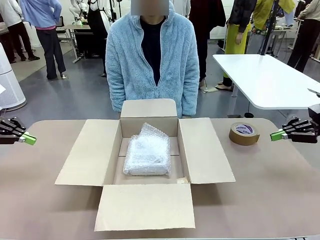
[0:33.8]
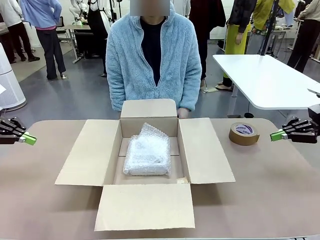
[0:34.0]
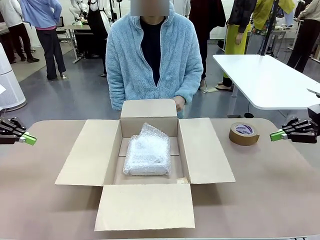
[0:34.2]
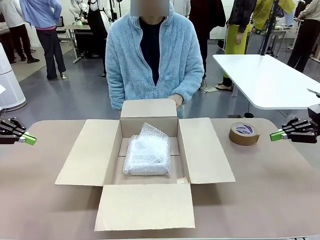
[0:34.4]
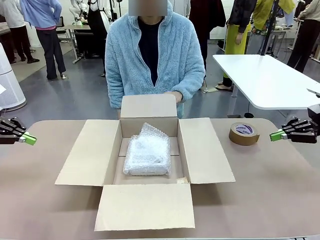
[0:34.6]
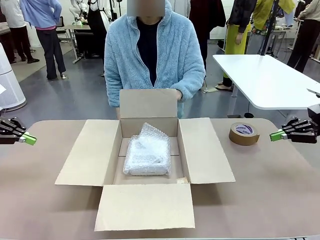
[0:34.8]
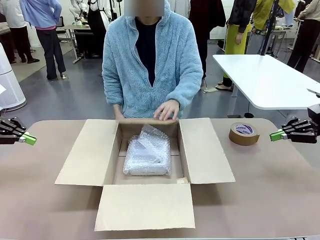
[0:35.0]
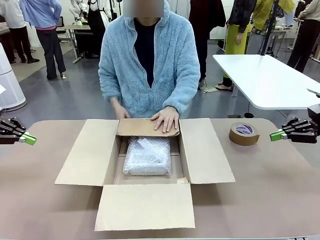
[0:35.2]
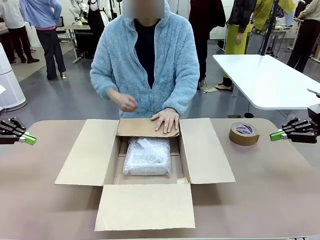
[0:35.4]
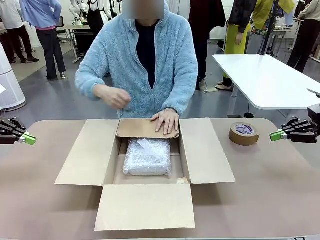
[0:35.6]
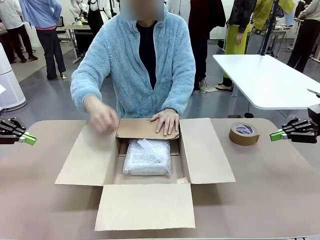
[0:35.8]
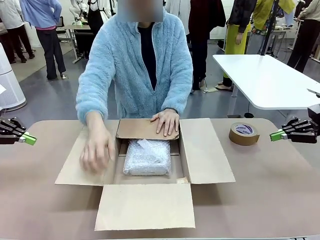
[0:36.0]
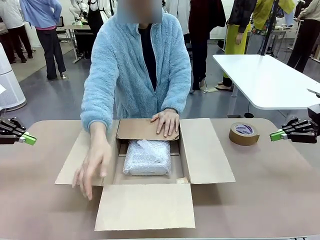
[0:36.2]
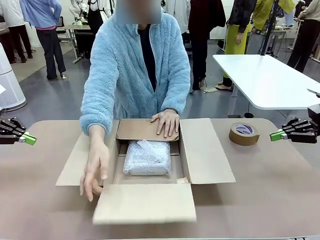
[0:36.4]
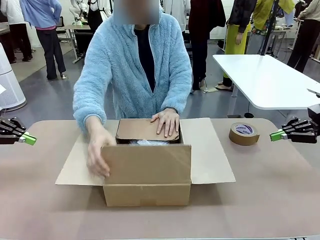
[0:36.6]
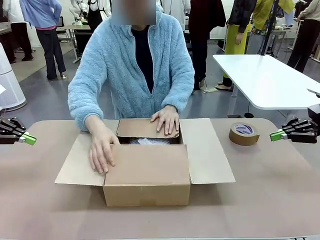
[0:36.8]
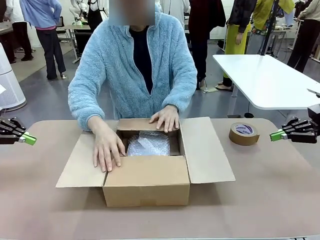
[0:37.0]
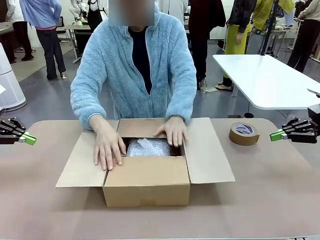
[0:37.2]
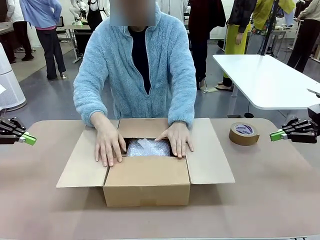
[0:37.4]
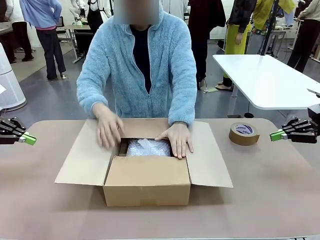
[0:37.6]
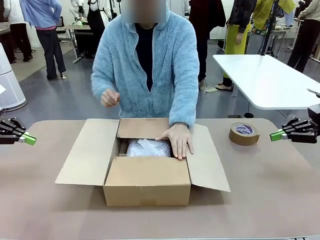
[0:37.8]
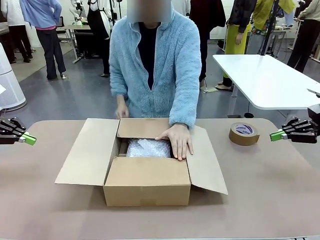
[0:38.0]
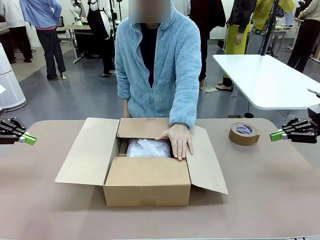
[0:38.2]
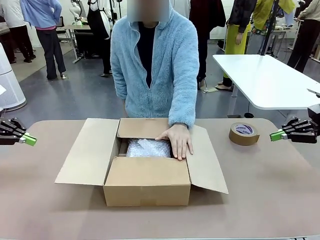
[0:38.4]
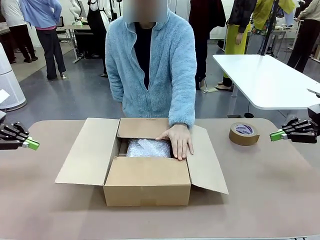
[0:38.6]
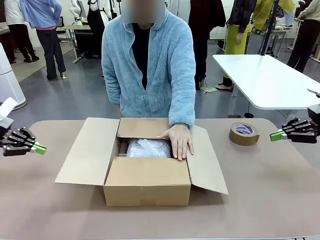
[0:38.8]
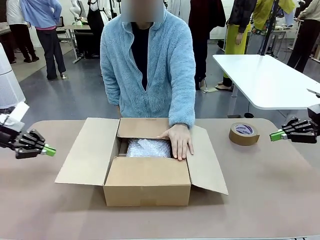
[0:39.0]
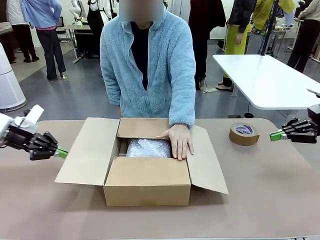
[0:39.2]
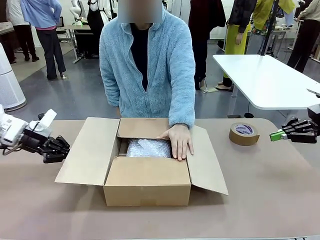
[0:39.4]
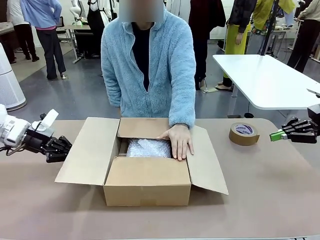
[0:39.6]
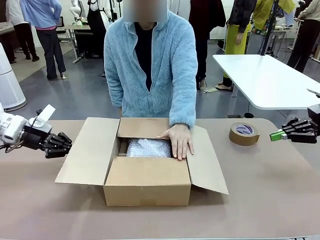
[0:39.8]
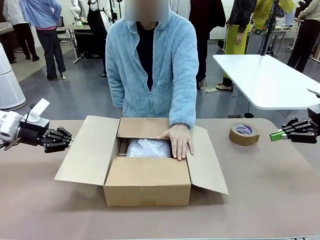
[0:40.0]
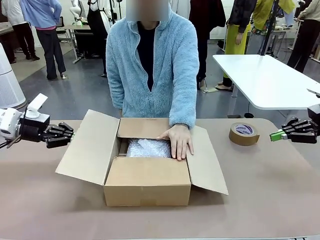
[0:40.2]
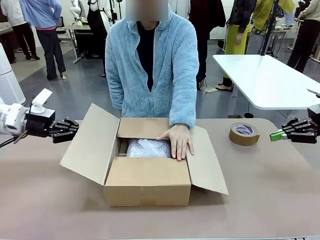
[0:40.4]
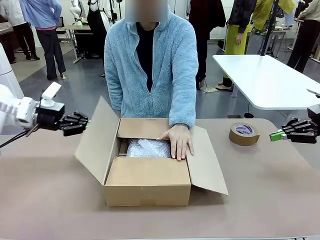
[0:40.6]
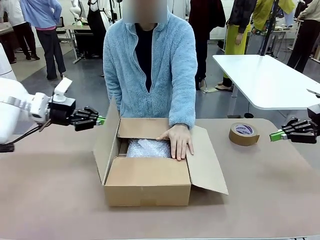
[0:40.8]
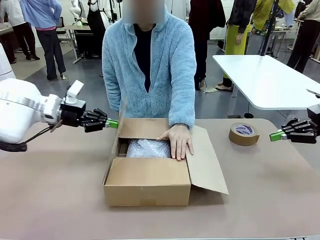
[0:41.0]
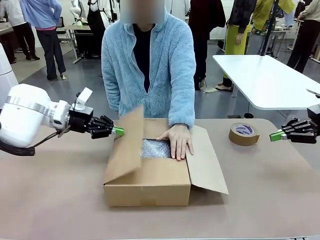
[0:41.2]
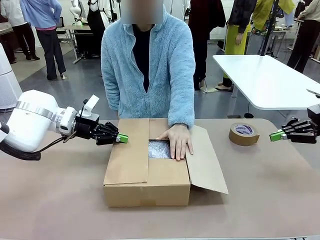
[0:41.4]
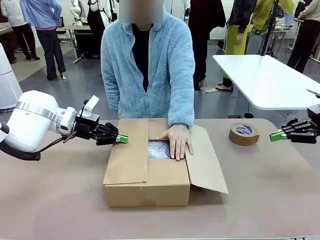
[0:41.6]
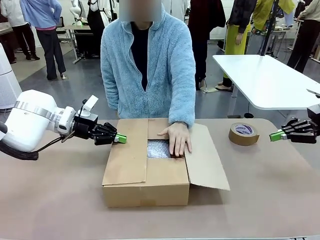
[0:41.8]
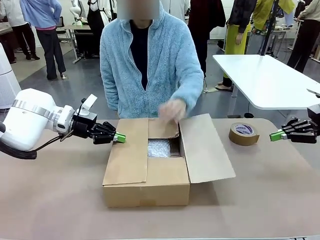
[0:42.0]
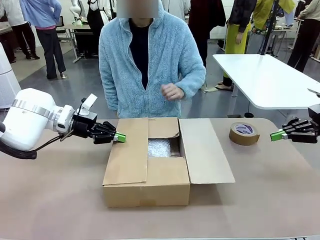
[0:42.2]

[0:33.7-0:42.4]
Task: Wrap the clocks to prevent damage.
Robot: Push the right (or left) flap of the Package Box to close it.
Person: Hold the top and bottom flaps of the Package Box closed with your left (or right) hand. Once the robot closes the right flap of the Package Box , release your left hand from the box.

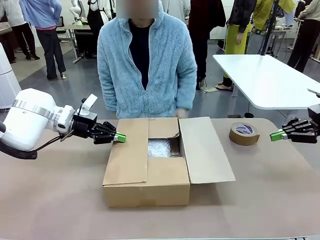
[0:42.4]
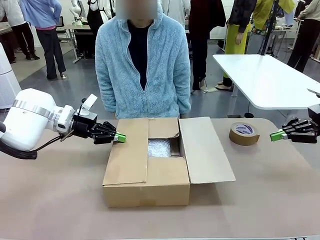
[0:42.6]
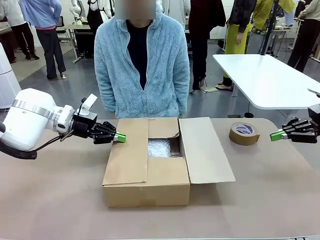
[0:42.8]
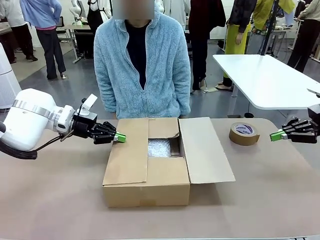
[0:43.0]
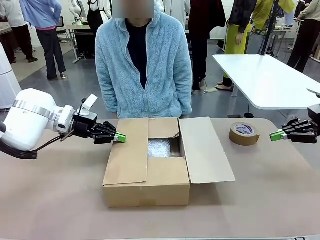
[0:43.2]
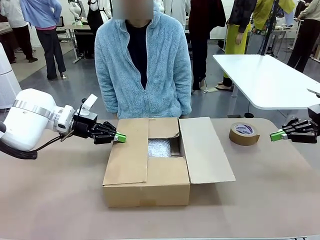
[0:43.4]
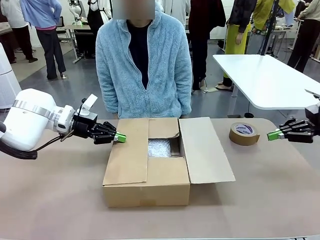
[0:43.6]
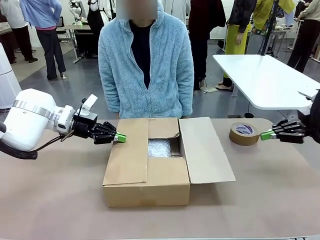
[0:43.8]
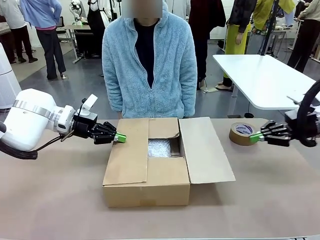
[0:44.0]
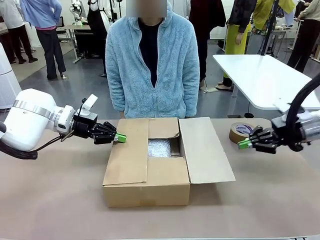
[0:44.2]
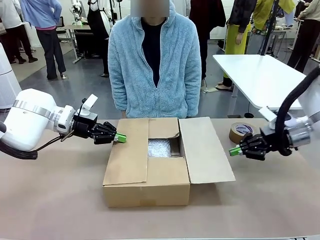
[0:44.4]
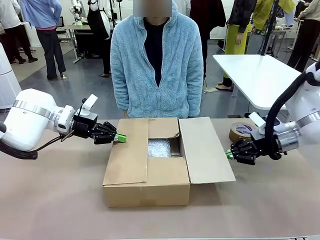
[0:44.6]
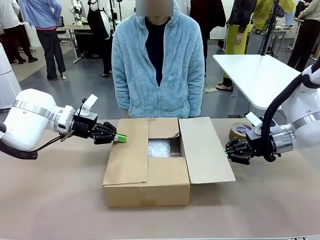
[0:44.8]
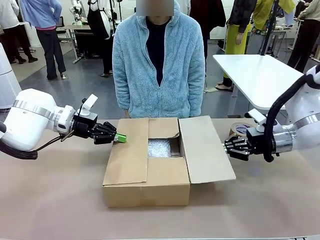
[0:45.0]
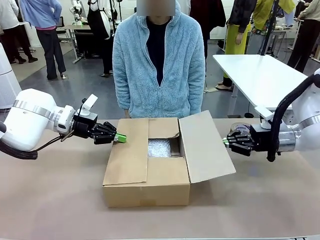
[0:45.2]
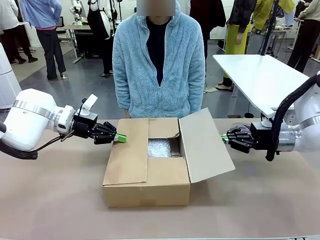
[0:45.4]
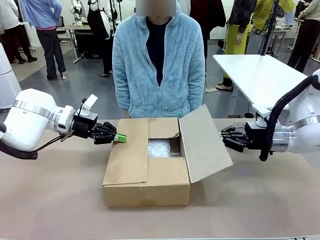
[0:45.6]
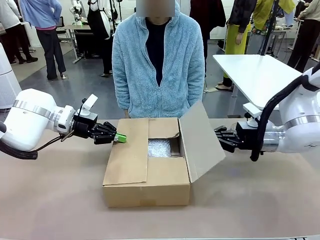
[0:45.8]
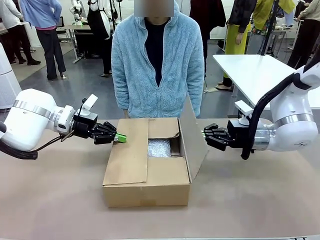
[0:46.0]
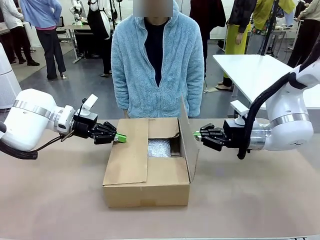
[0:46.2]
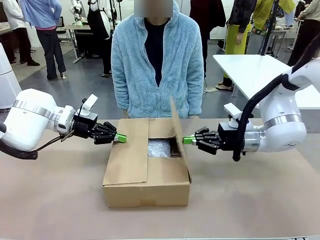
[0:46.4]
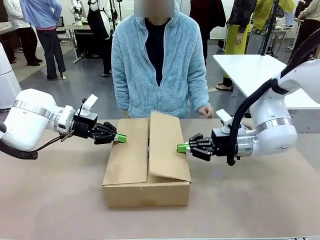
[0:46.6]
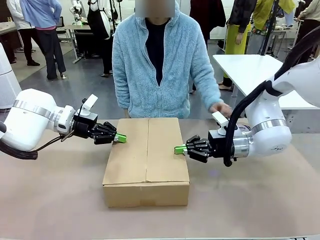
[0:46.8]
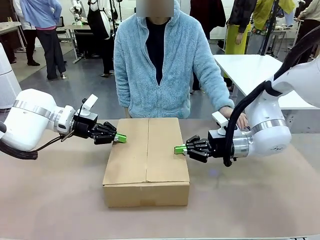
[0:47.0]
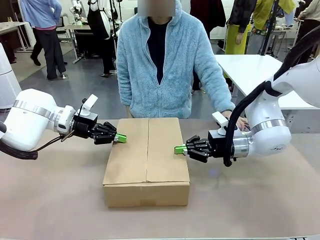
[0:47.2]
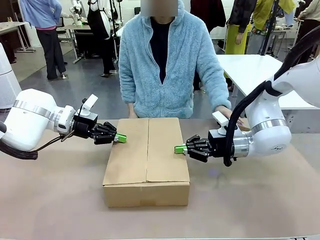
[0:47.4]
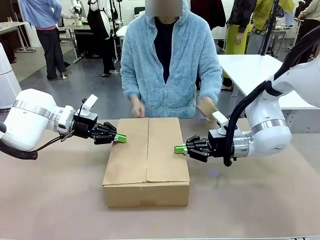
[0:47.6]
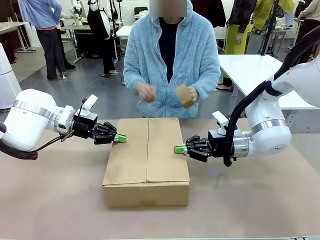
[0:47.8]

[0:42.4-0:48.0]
Robot: Push the left (or right) flap of the Package Box to close it.
